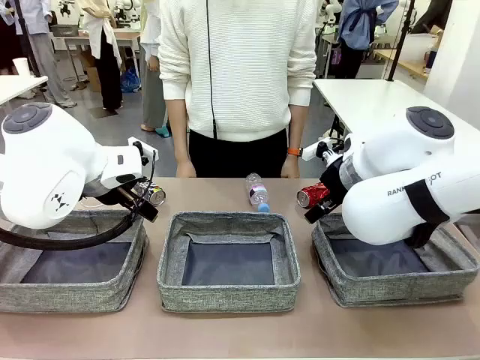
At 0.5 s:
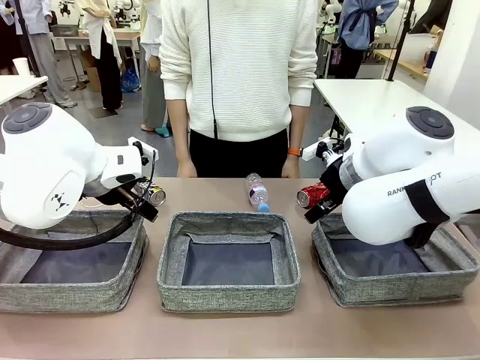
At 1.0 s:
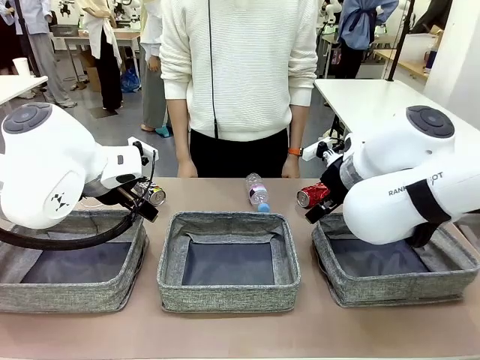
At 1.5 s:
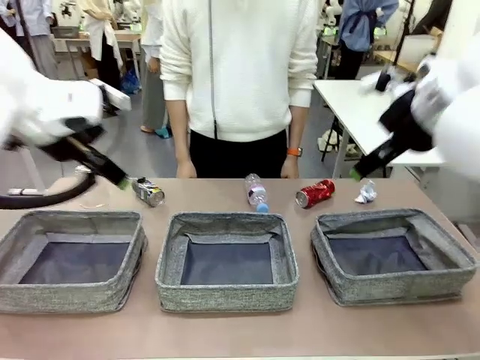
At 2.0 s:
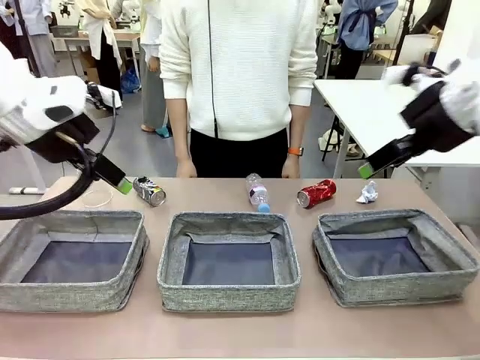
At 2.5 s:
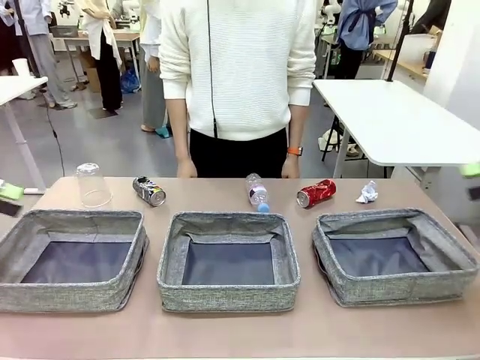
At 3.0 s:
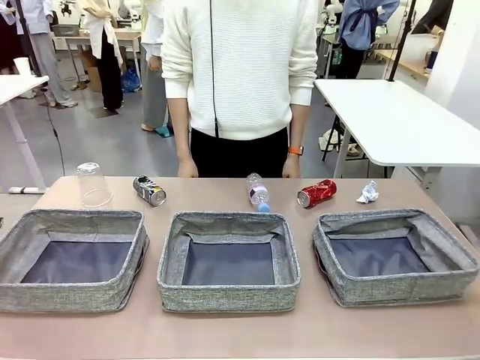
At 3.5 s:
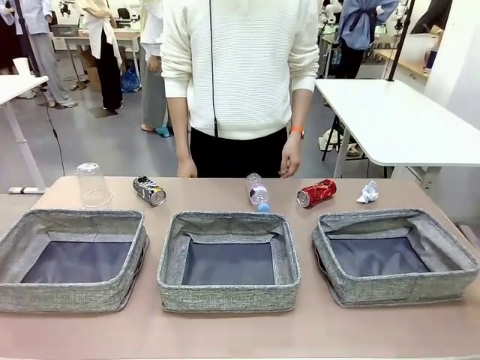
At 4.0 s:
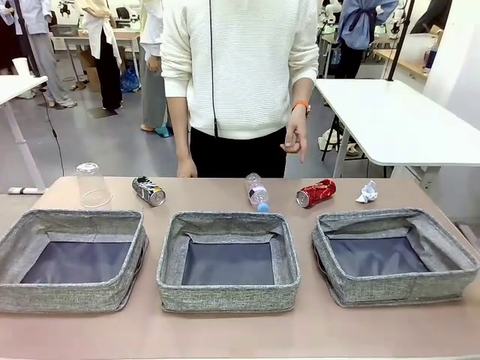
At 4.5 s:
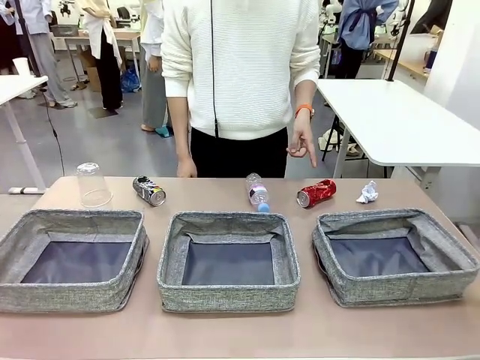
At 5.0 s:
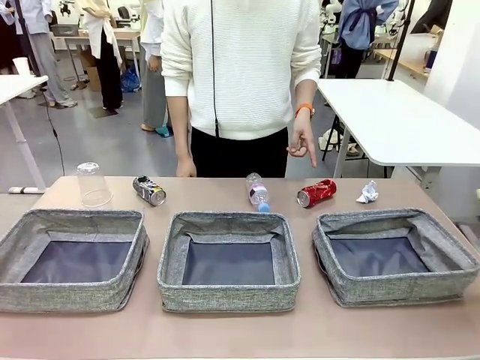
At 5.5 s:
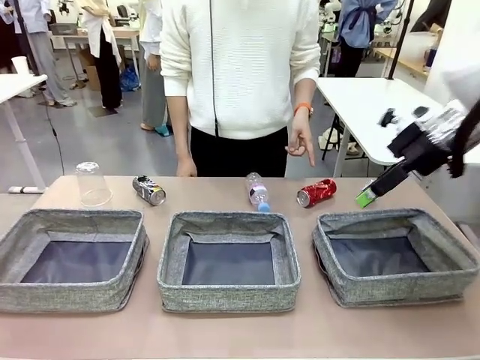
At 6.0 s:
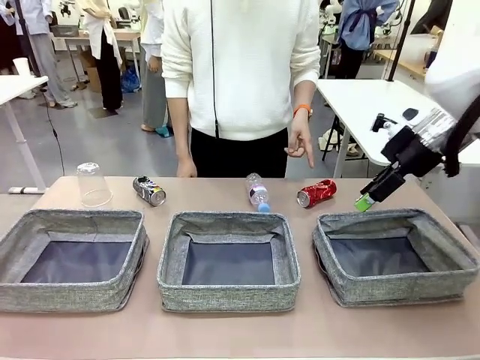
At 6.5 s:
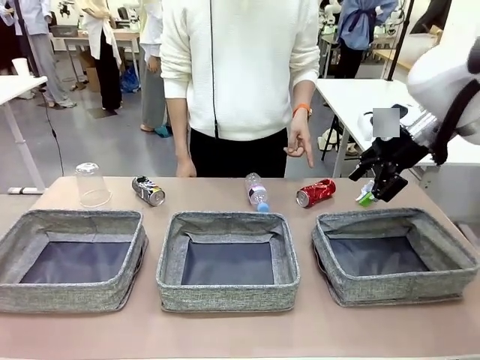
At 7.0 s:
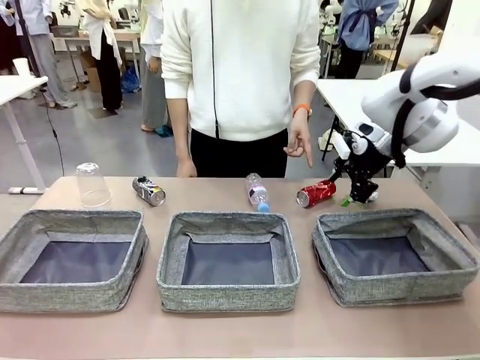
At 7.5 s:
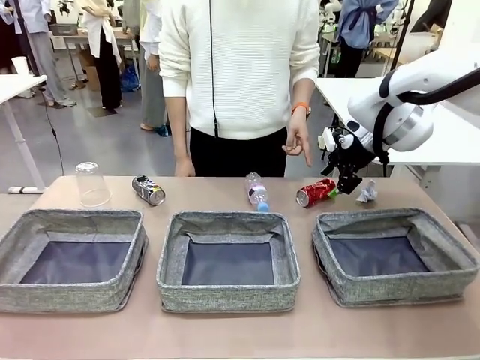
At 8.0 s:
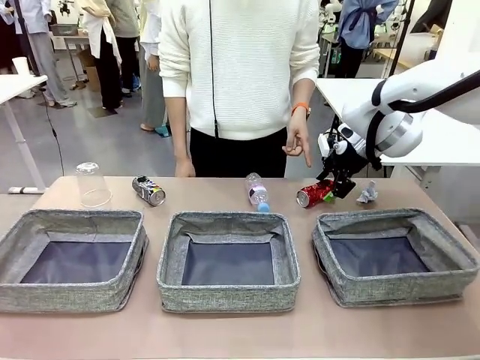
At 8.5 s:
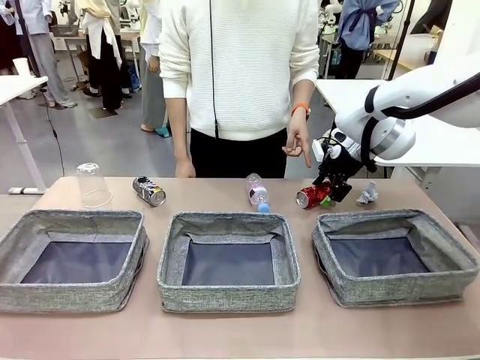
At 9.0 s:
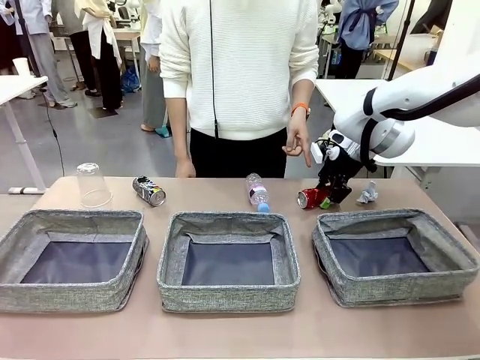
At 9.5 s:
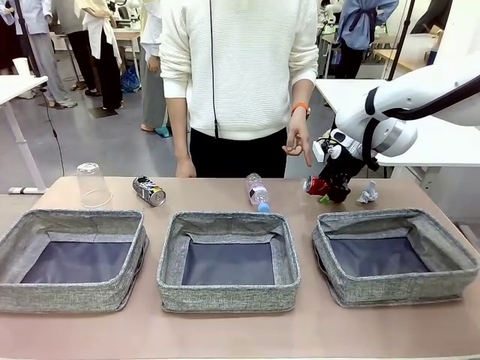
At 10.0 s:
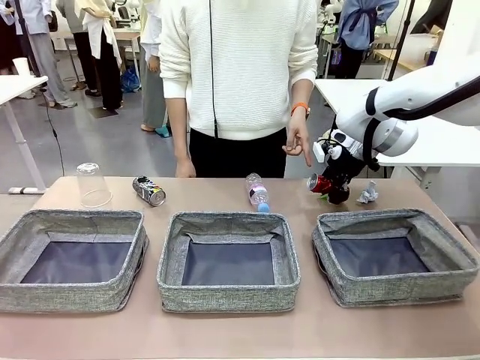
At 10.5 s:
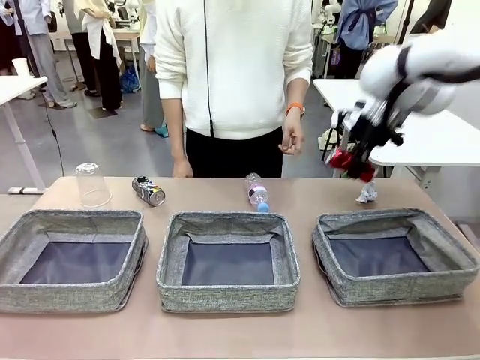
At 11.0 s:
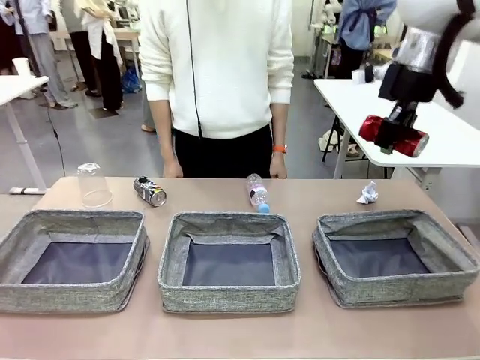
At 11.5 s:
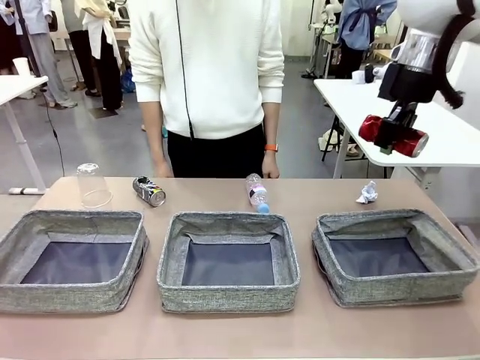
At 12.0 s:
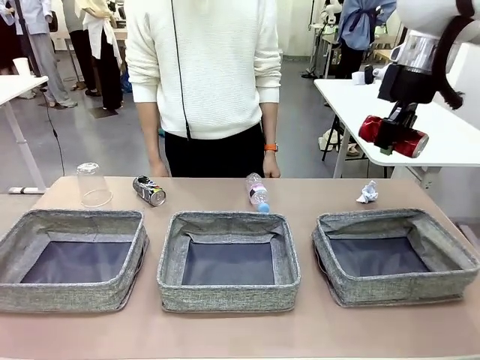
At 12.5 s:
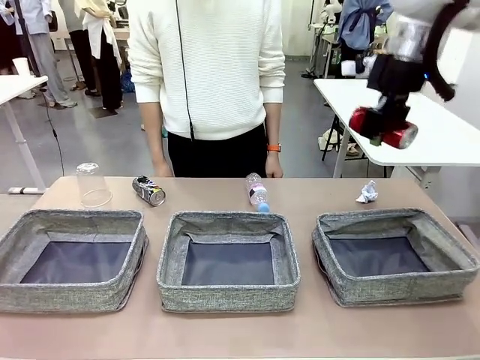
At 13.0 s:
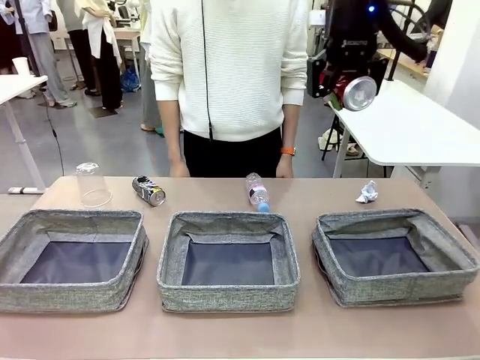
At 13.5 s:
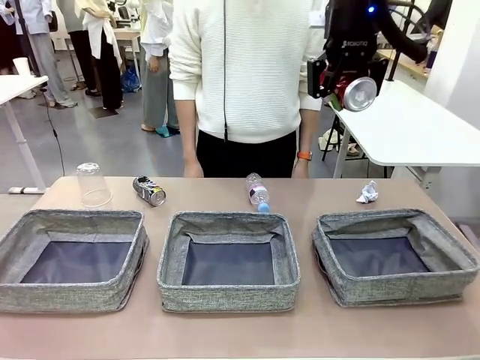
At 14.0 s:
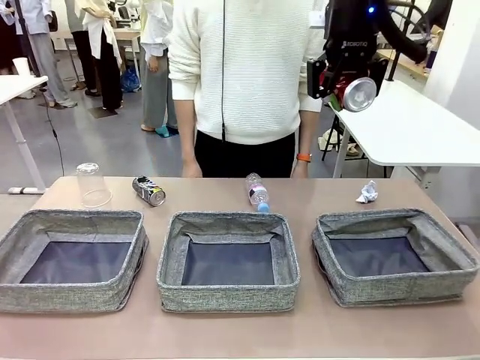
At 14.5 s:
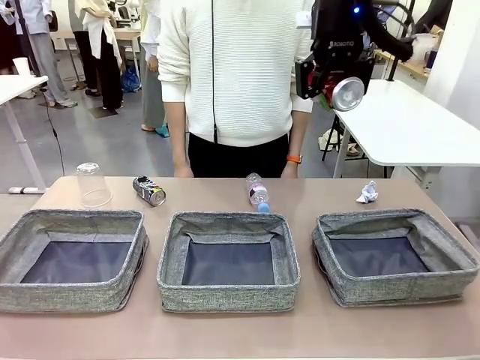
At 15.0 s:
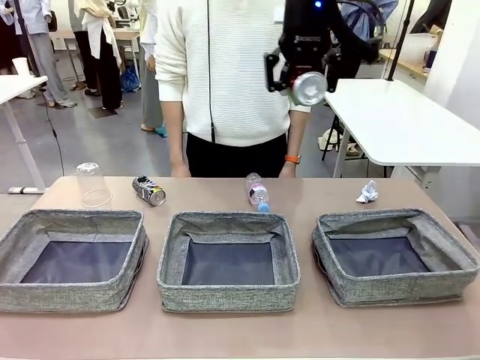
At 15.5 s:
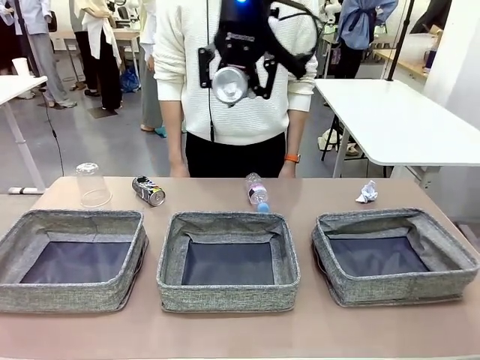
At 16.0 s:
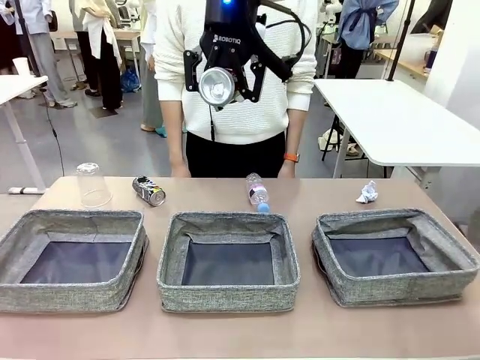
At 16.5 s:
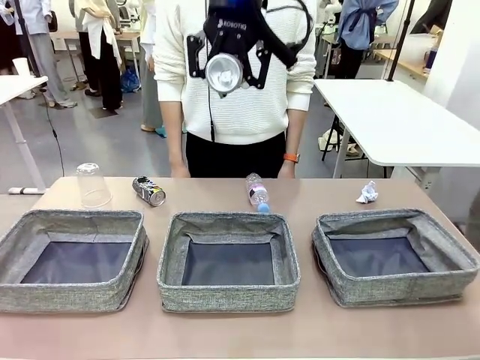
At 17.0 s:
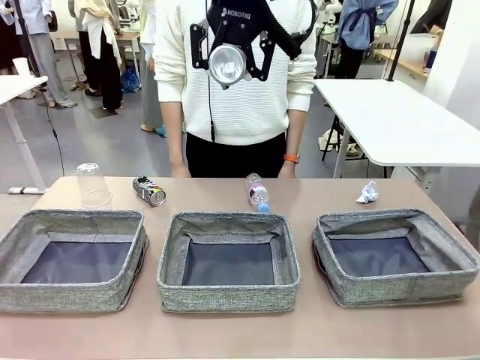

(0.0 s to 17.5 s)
Task: Sort the waste into the appropriate baskets.
Robot: Pick up the waste item pointed out by the person.
Person: Points to one piece of trash on the table.

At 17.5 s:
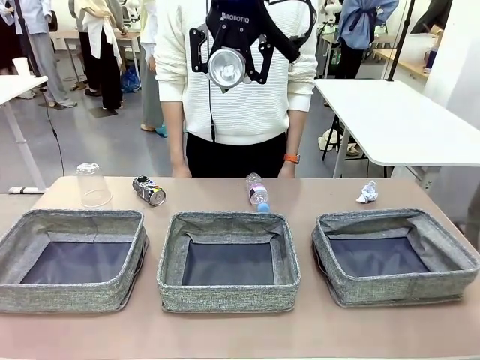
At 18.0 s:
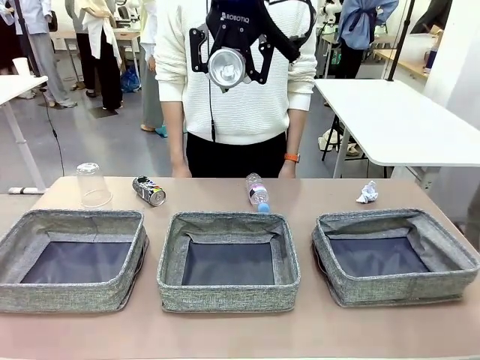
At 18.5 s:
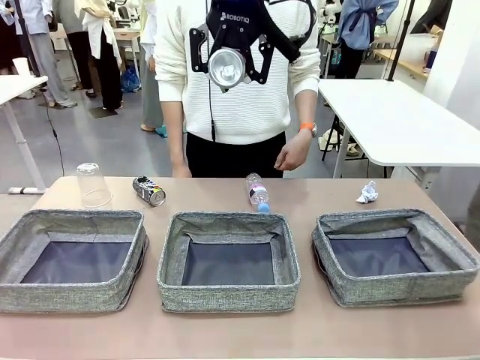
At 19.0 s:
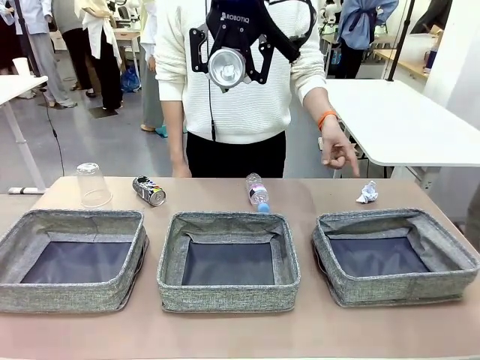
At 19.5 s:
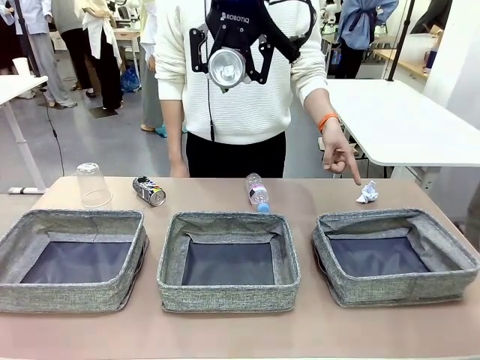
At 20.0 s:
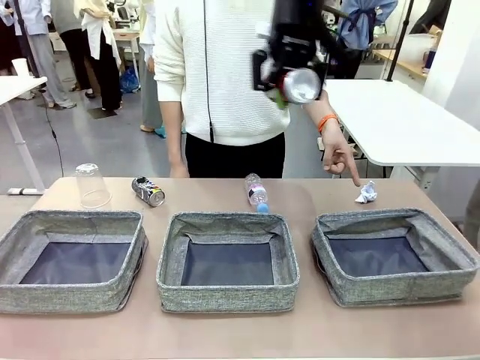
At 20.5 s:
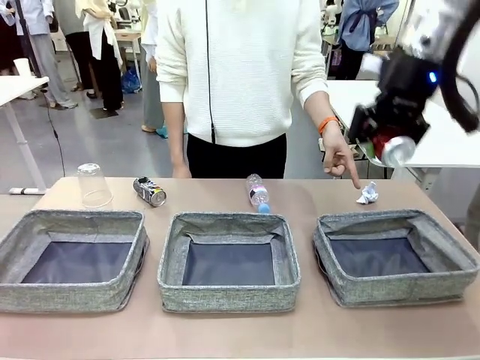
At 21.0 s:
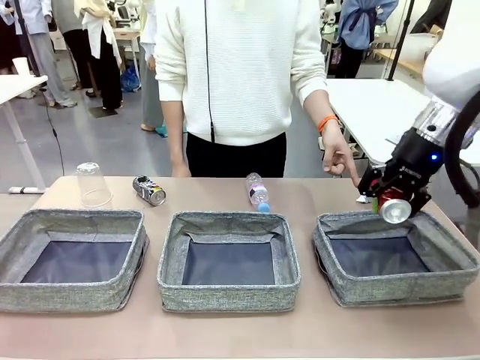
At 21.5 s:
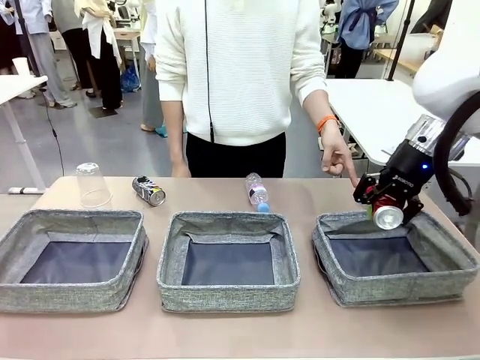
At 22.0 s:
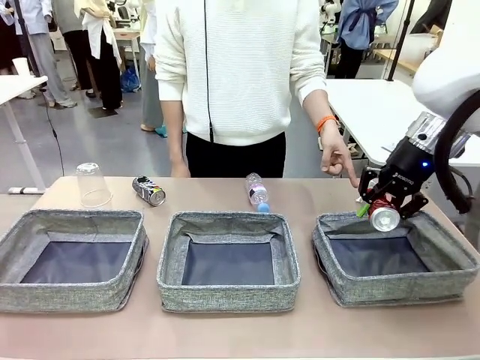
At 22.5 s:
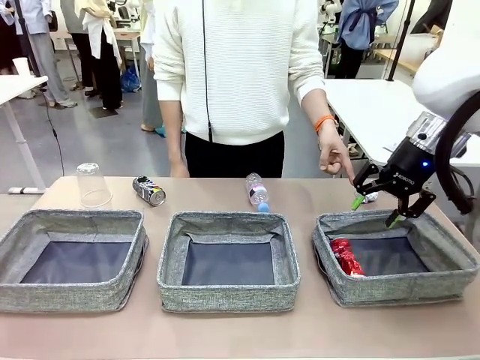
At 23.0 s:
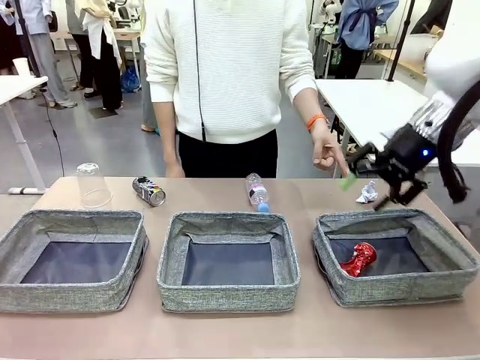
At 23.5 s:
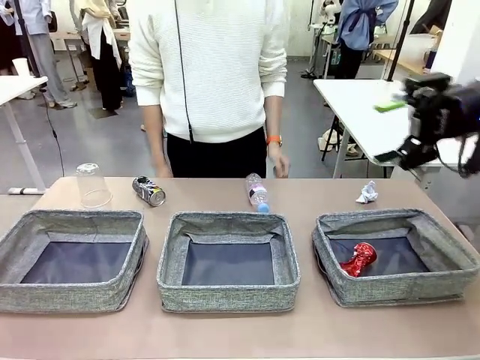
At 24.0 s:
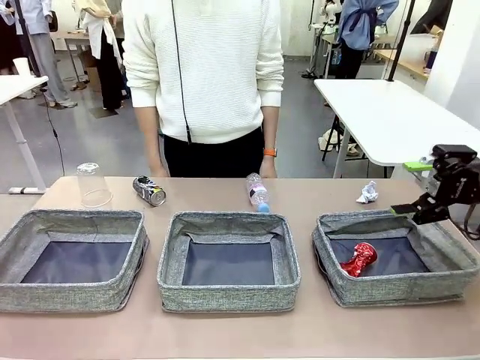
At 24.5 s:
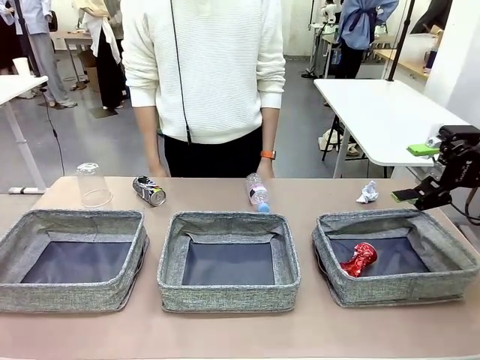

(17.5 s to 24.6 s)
Robot: Place the picked waste into the Fabric basket indicated by the person.
Person: Instructs the robot to place the picked-up trash into the appropriate organizing basket.

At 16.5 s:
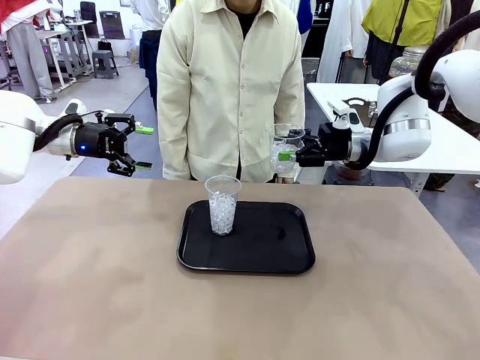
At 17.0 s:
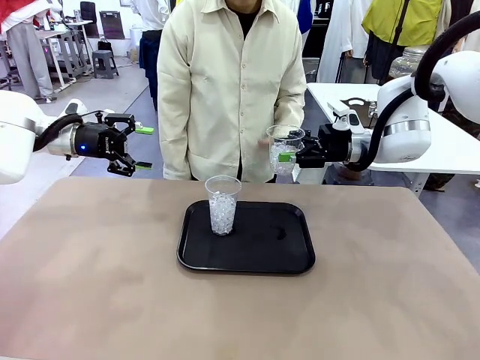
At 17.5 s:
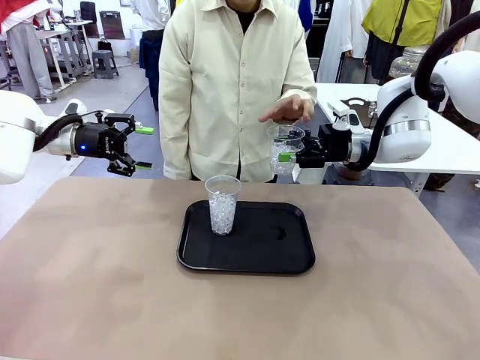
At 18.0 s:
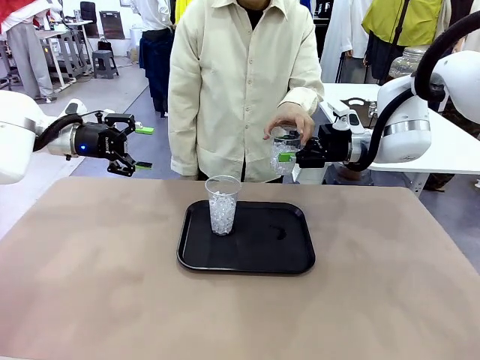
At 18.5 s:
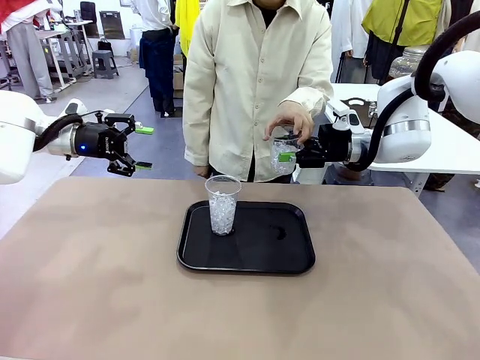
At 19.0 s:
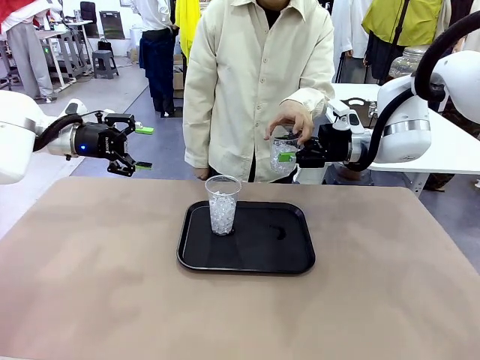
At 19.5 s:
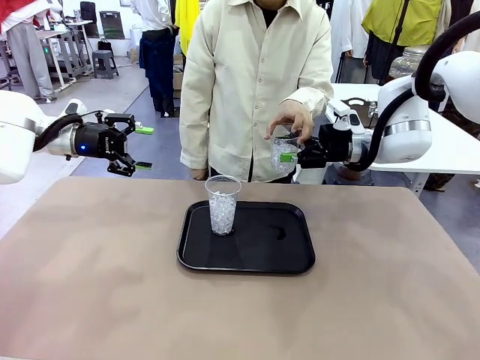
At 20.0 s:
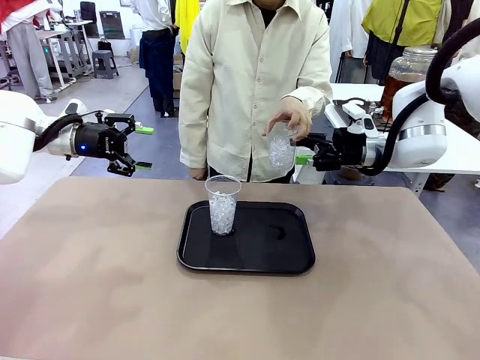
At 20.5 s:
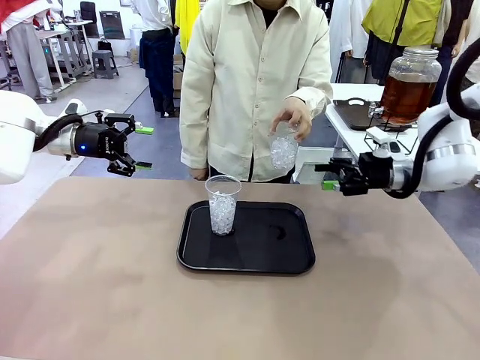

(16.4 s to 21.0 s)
Task: Pour the drink into the iced cup.
Robot: Open the gripper to release the iced cup you were holding.
